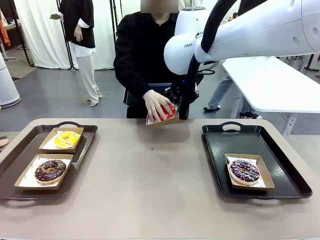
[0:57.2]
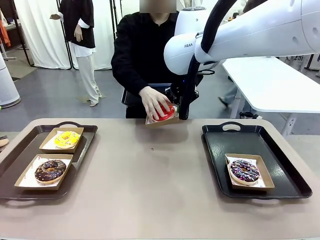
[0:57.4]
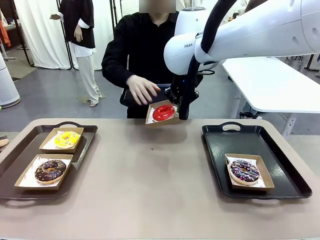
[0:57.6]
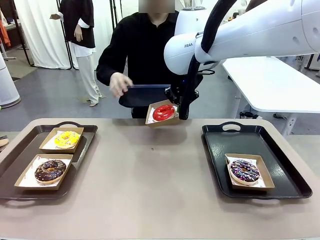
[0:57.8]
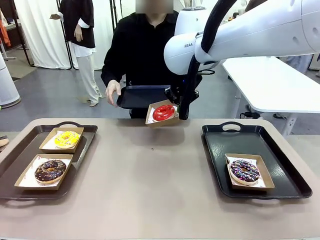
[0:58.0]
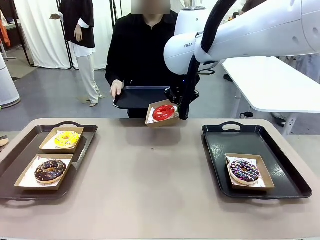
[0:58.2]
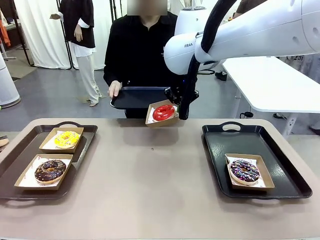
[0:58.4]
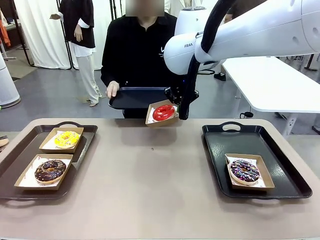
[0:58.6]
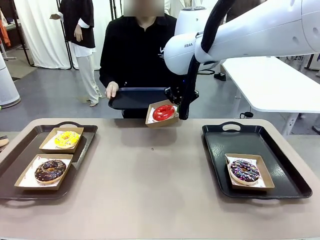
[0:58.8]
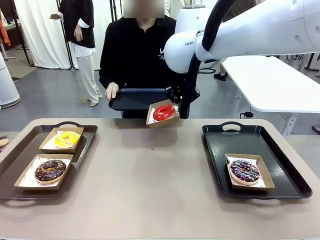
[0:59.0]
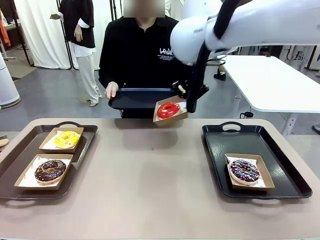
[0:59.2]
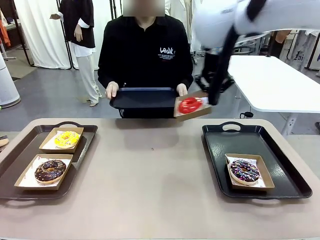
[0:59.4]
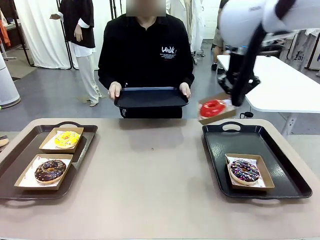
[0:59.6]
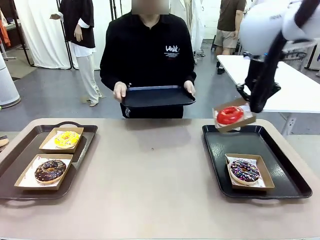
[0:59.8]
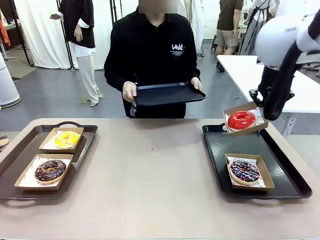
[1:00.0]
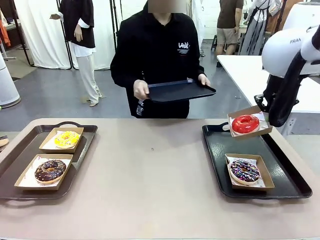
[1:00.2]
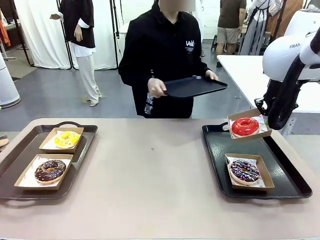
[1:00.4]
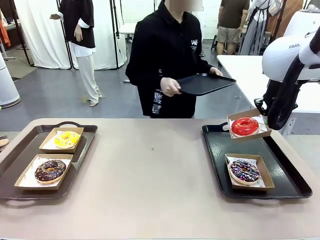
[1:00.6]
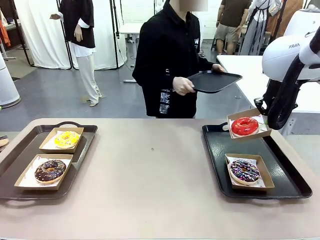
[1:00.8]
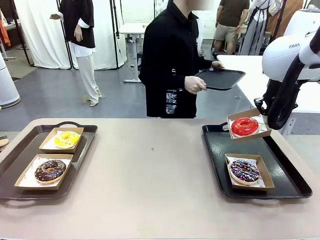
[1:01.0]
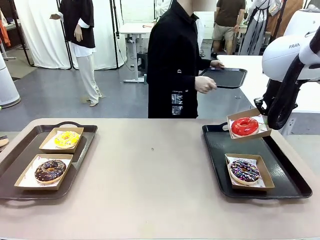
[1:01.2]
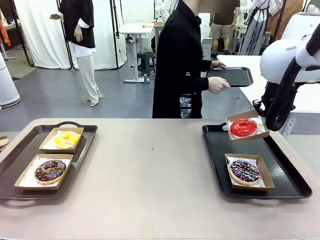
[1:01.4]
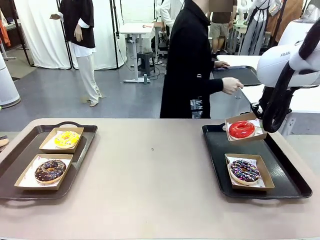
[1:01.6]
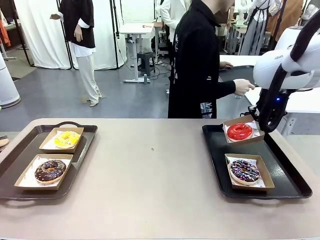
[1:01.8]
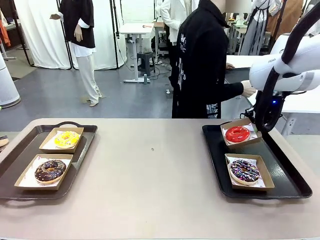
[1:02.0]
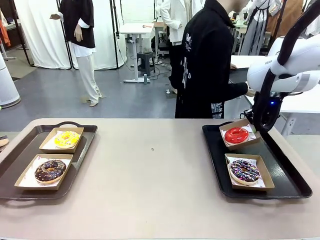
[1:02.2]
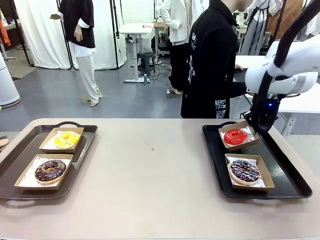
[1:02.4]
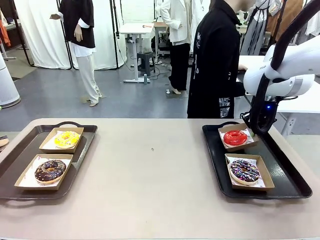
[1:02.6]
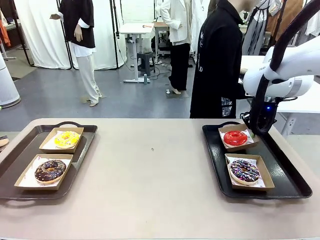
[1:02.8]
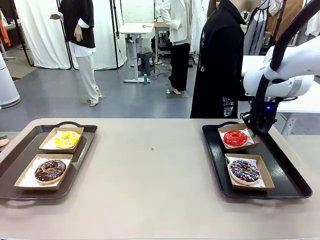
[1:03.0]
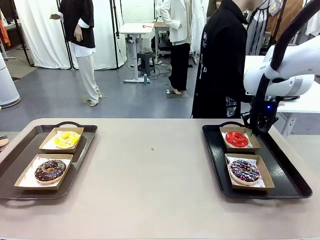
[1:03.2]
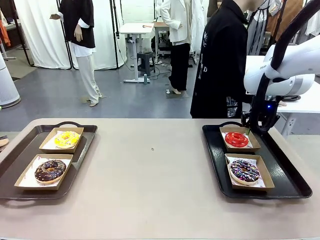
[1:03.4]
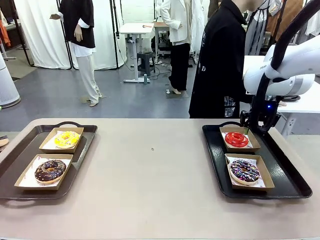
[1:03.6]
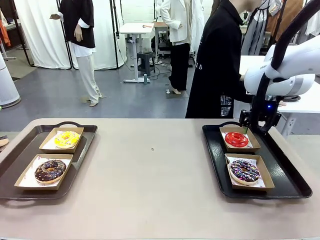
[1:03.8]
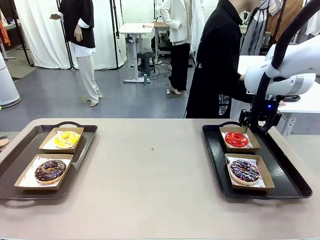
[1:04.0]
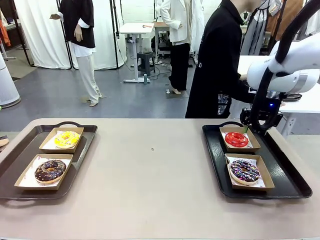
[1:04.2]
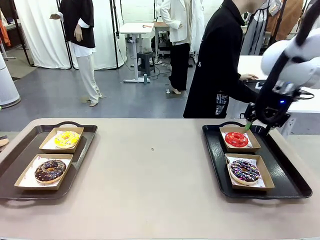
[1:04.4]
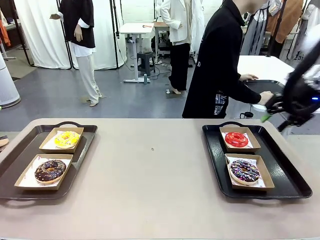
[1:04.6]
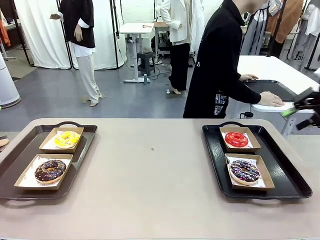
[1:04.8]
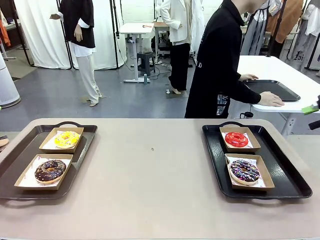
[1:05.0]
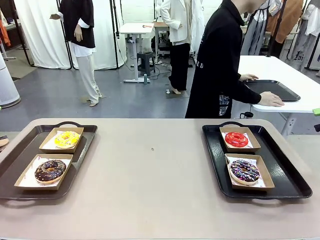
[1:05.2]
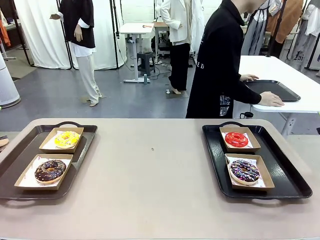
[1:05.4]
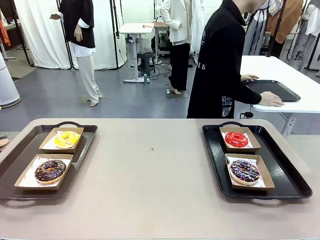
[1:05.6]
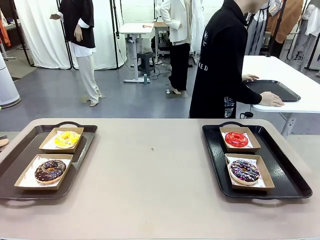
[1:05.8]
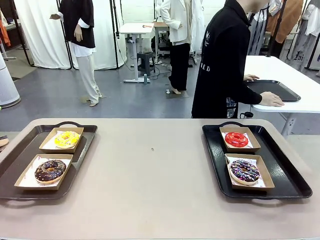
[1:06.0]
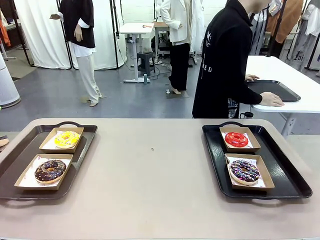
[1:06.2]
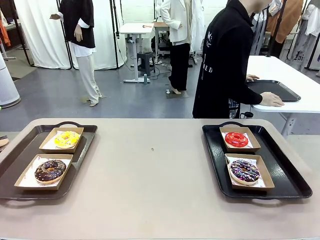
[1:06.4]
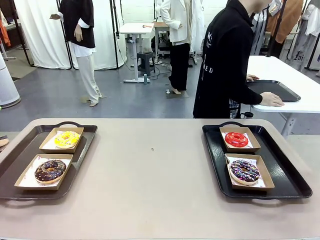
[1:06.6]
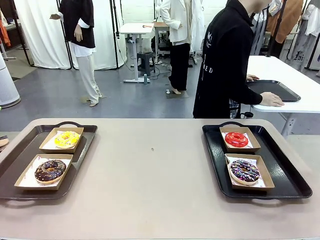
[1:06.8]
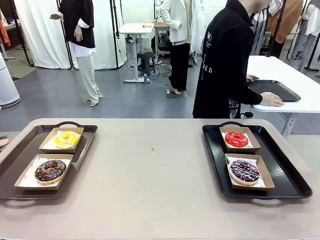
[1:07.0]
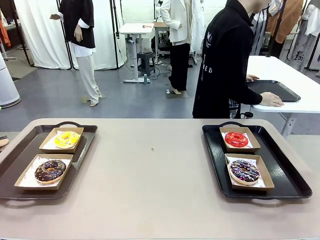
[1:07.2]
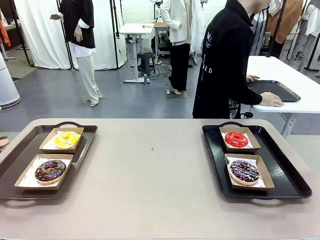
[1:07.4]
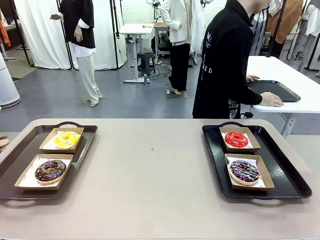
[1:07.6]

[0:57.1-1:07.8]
Task: Individually package the donuts and arrange them on the tray.
Robot: Place the picked Paper togo box on the Handle tray.
Person: Place the tray down in the middle of the human table.

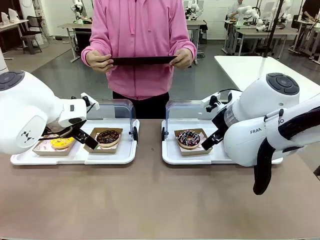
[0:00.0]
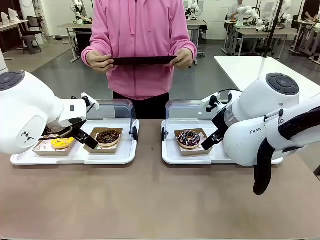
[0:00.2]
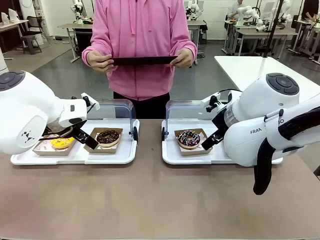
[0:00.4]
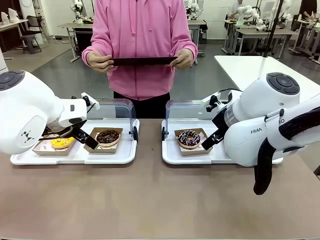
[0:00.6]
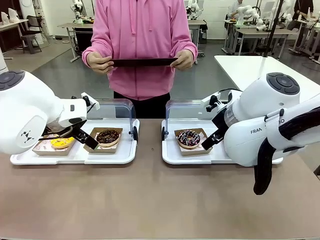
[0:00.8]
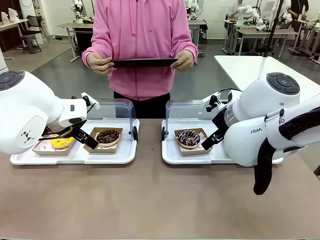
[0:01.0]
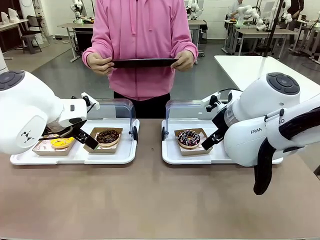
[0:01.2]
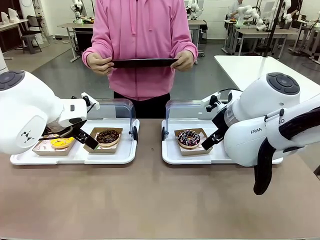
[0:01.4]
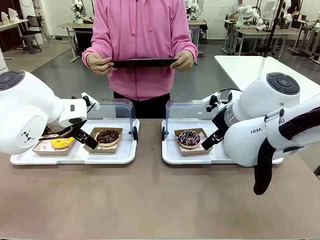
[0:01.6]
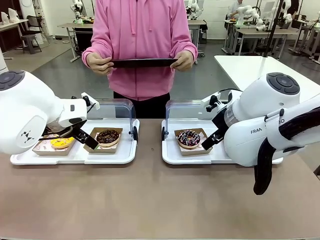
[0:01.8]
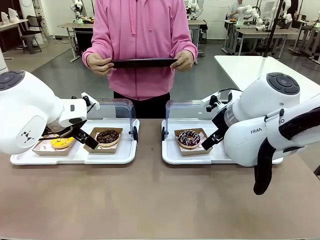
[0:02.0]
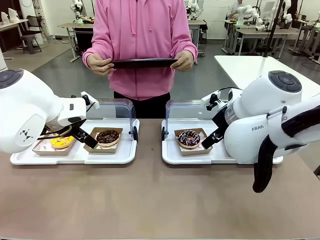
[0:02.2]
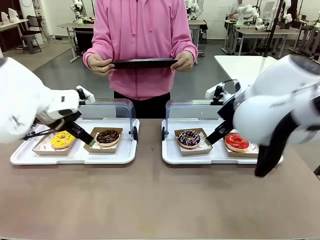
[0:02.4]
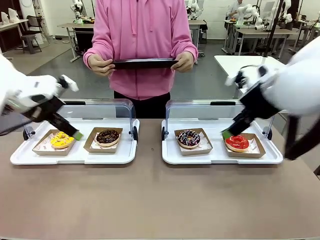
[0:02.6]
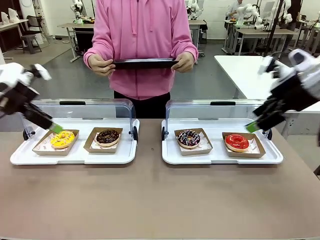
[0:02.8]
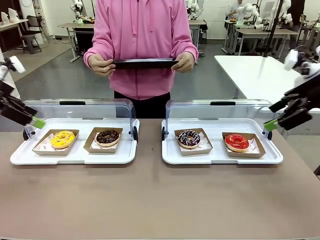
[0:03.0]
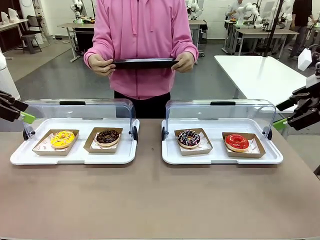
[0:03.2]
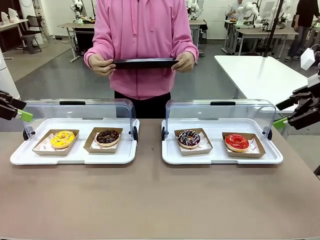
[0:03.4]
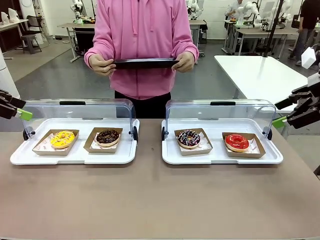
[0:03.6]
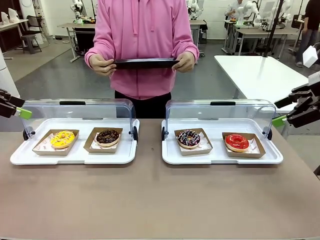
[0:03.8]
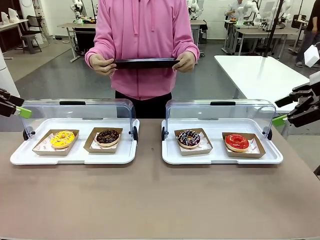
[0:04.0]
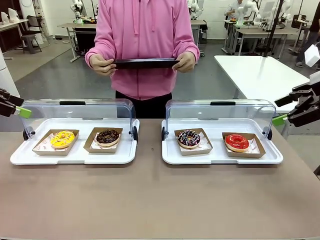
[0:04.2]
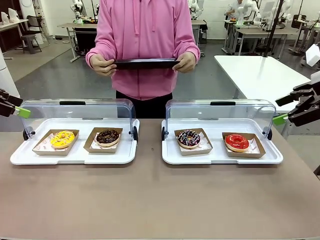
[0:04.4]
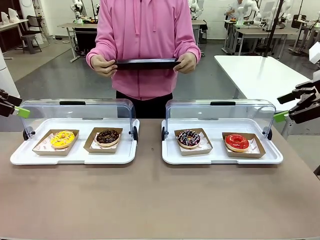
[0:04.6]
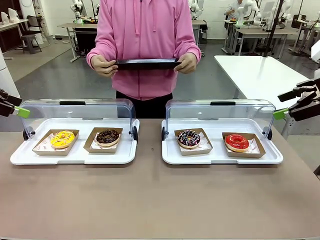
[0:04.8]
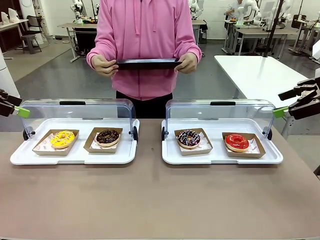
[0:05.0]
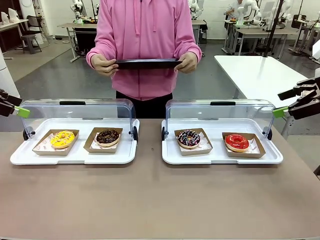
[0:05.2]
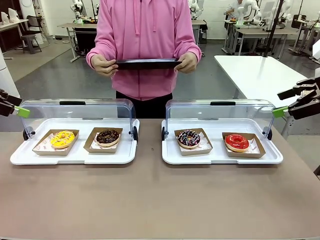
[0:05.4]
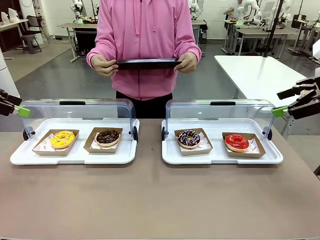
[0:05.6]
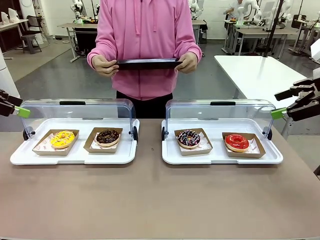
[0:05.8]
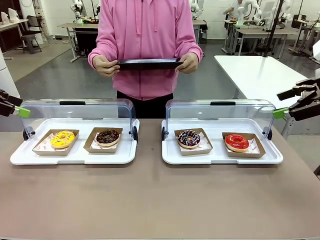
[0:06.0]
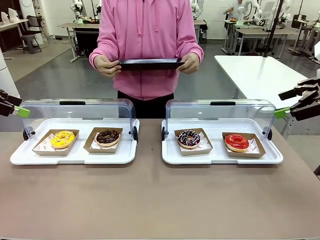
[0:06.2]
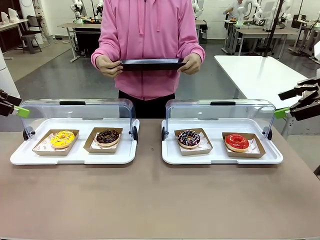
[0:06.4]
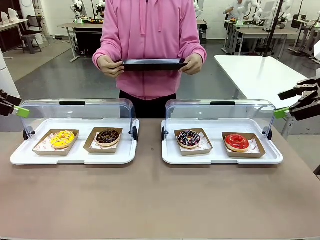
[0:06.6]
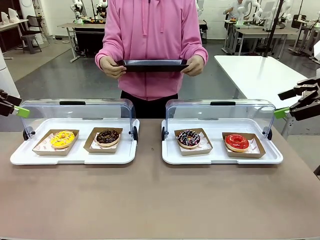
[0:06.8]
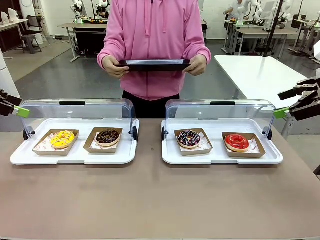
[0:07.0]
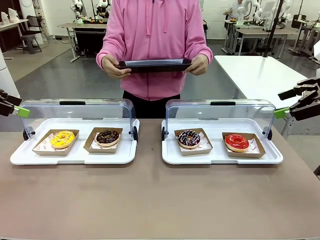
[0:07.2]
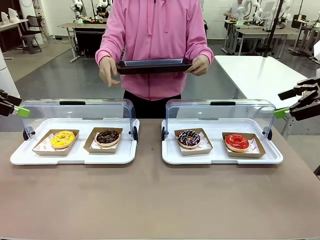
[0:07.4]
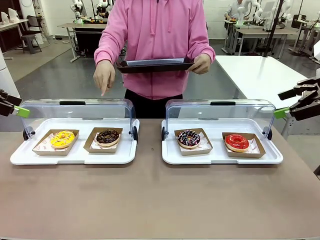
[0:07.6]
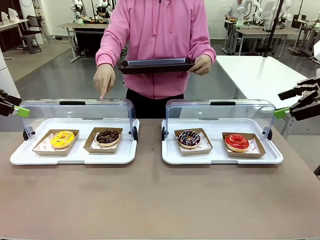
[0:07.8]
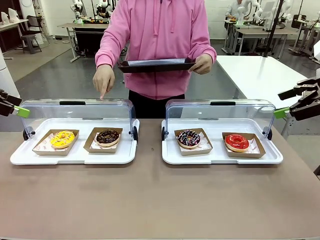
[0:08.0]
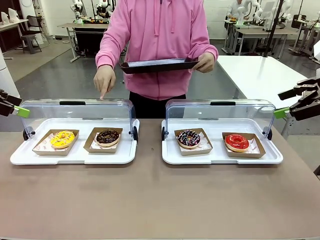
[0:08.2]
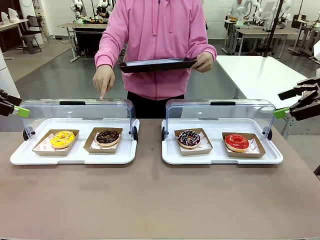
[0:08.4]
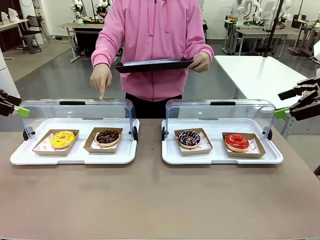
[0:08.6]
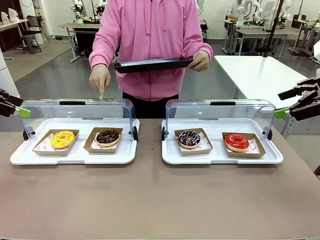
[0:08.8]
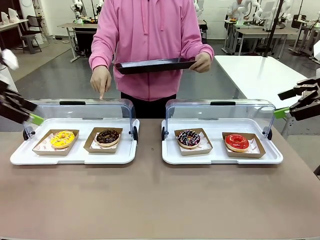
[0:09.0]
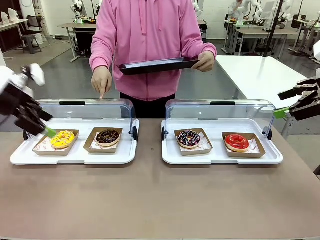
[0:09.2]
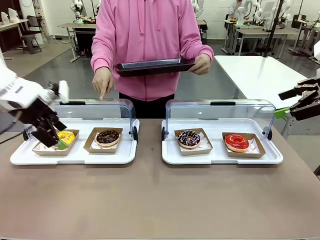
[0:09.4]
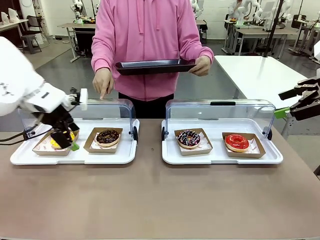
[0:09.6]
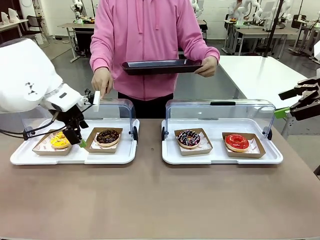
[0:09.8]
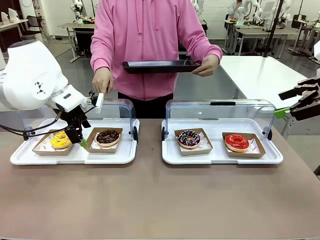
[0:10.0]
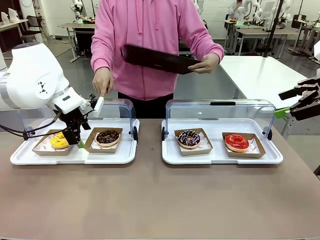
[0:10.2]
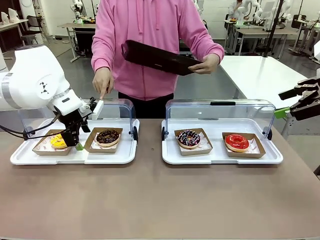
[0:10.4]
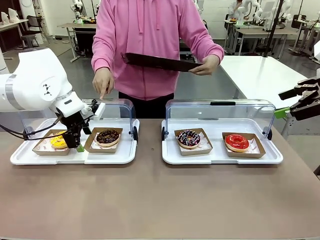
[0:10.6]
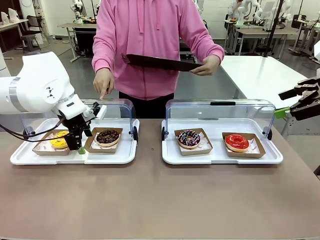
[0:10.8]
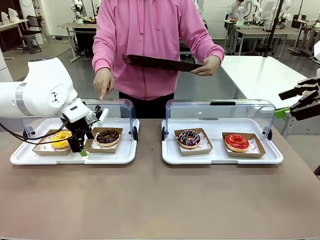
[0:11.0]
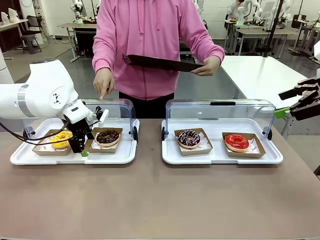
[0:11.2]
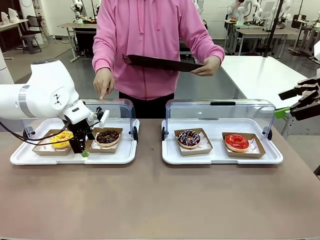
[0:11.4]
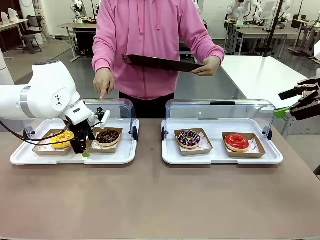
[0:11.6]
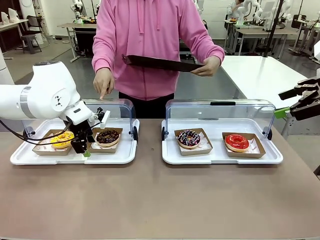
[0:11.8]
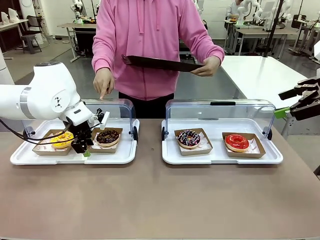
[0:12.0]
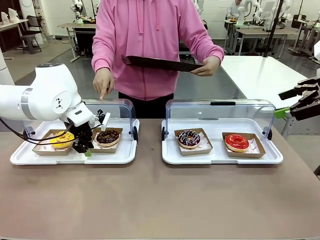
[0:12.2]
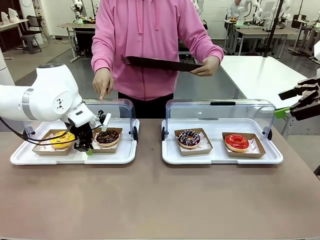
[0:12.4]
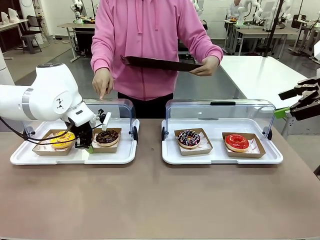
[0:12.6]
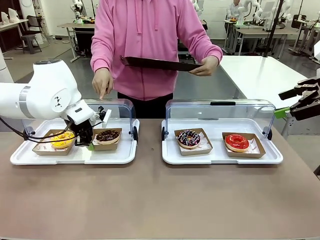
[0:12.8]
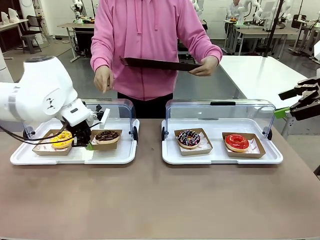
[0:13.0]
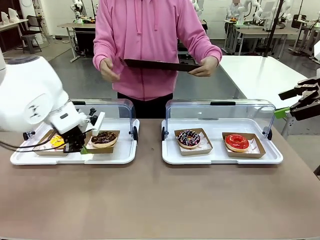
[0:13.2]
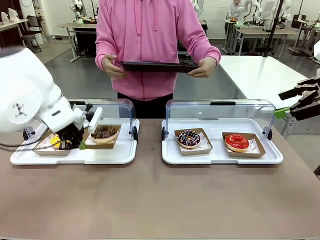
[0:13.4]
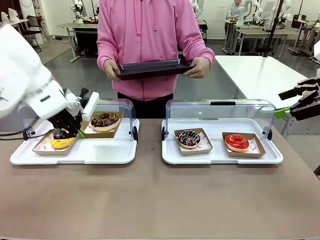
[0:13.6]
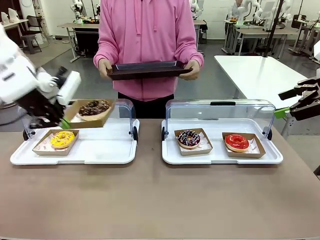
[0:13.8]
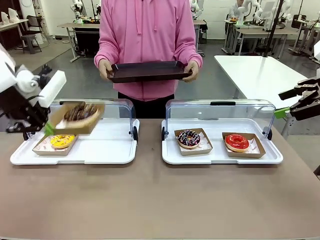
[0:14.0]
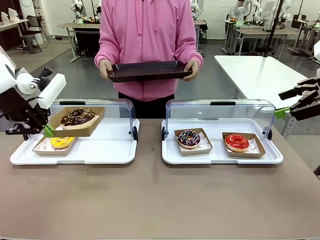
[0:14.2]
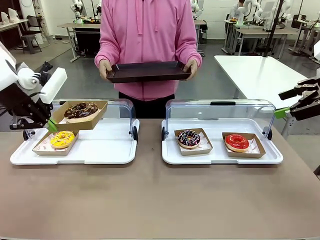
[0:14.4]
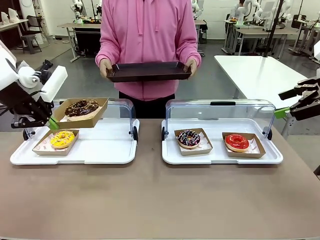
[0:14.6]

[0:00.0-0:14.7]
Task: Provide the desired donut to the person.
Robot: Pick up and lift the Paper togo box containing the Donut pointed at by the person.
Person: Point to one donut. Lift the tray onto the Roll-Top Bakery Case.
